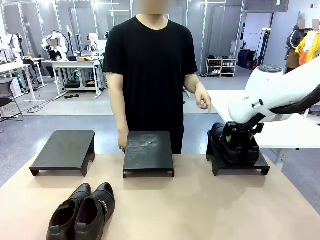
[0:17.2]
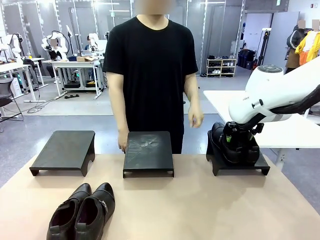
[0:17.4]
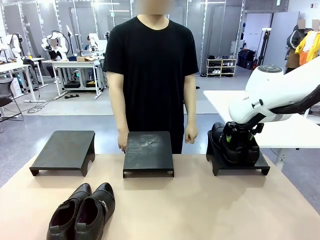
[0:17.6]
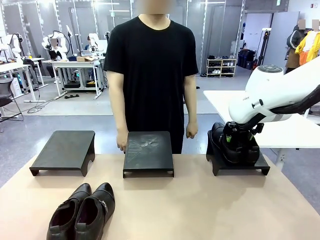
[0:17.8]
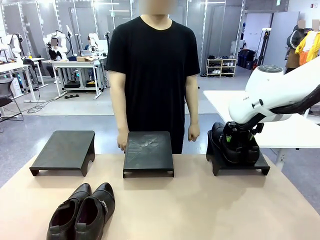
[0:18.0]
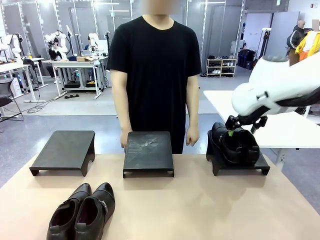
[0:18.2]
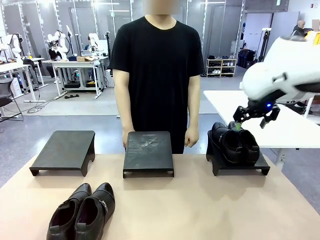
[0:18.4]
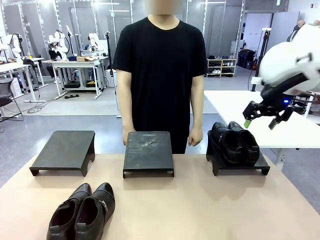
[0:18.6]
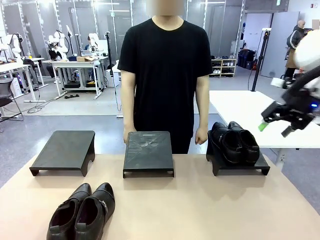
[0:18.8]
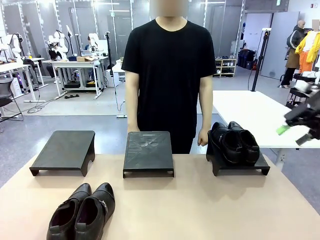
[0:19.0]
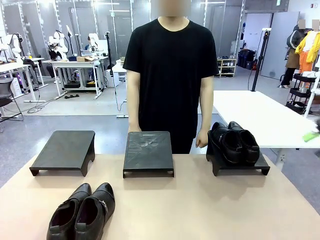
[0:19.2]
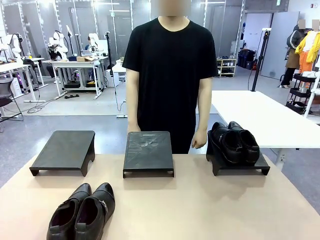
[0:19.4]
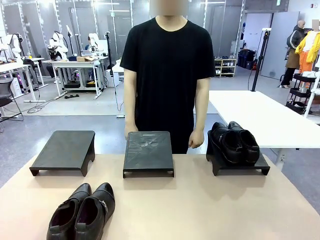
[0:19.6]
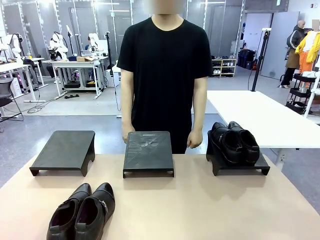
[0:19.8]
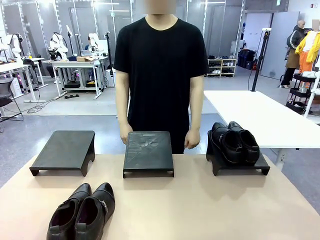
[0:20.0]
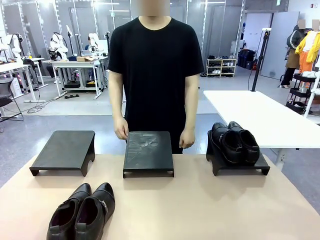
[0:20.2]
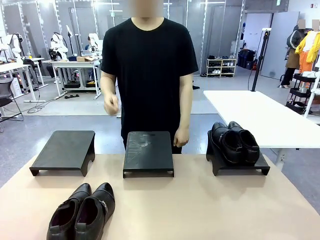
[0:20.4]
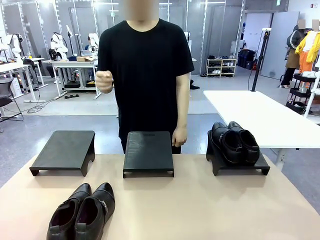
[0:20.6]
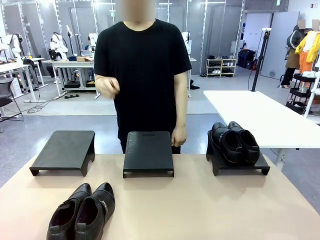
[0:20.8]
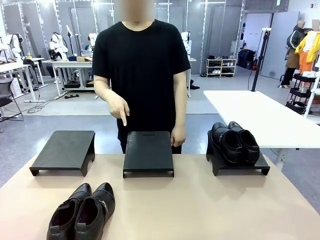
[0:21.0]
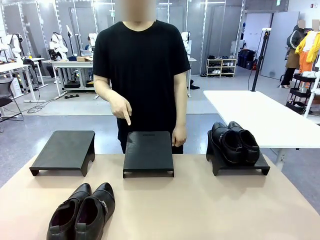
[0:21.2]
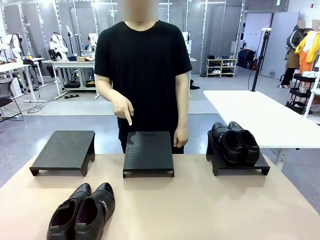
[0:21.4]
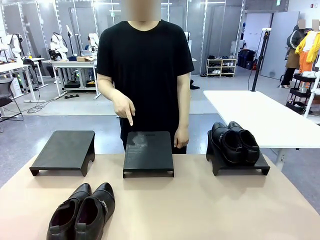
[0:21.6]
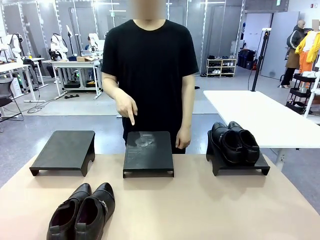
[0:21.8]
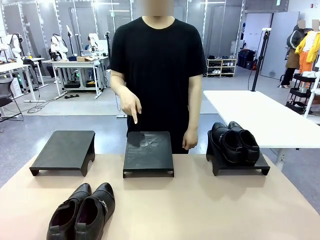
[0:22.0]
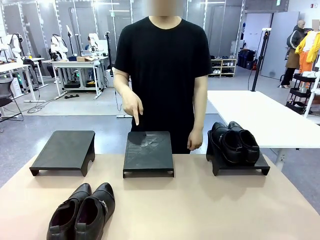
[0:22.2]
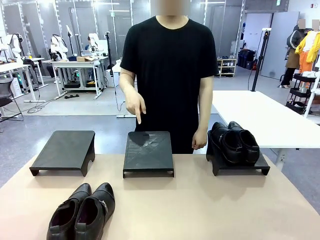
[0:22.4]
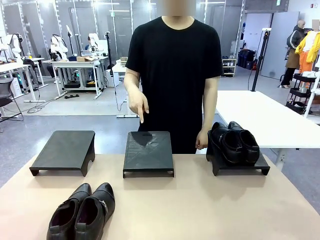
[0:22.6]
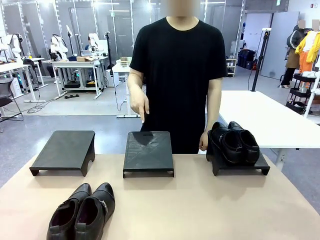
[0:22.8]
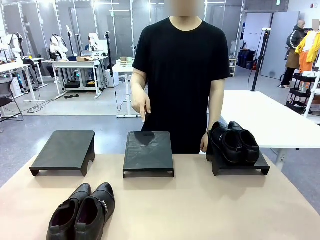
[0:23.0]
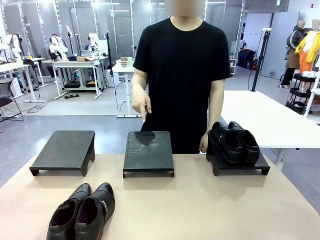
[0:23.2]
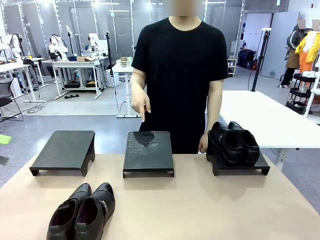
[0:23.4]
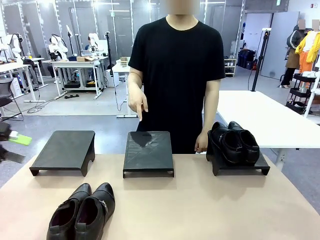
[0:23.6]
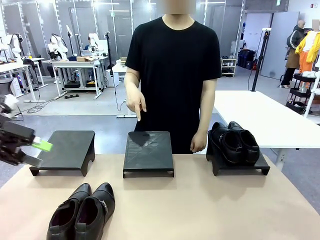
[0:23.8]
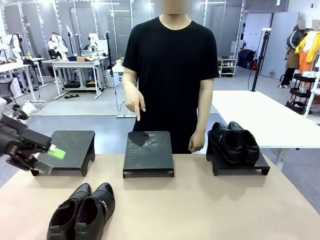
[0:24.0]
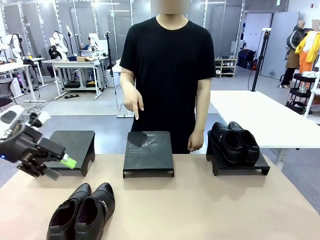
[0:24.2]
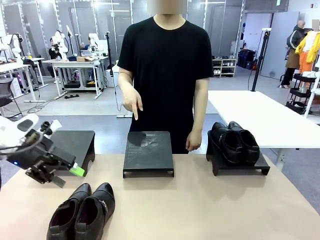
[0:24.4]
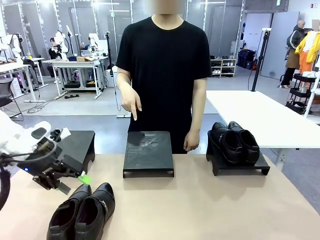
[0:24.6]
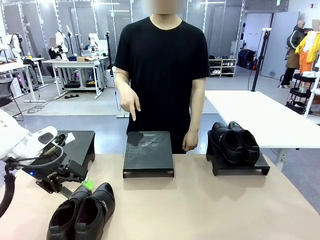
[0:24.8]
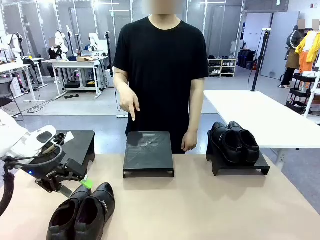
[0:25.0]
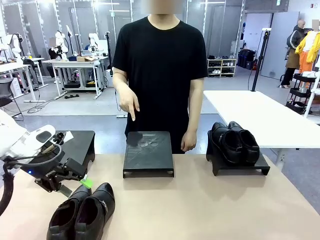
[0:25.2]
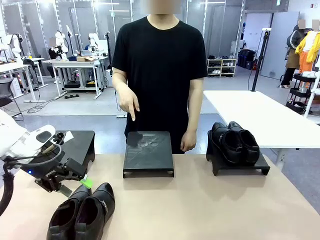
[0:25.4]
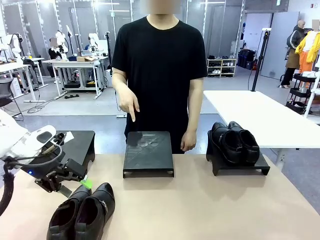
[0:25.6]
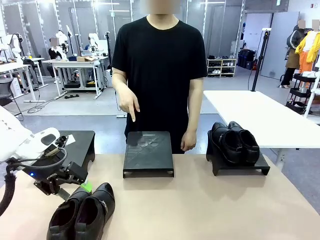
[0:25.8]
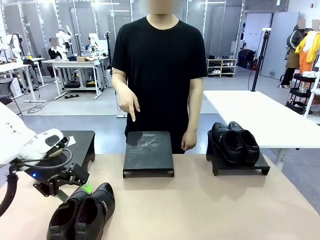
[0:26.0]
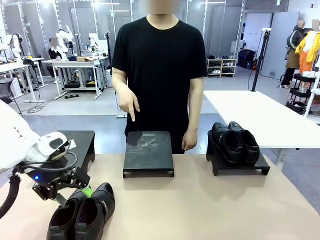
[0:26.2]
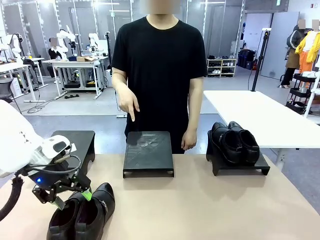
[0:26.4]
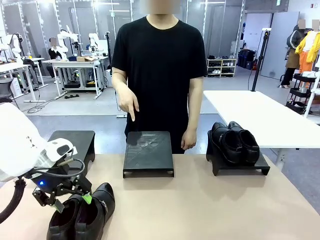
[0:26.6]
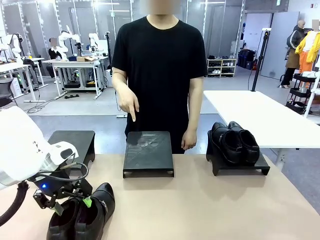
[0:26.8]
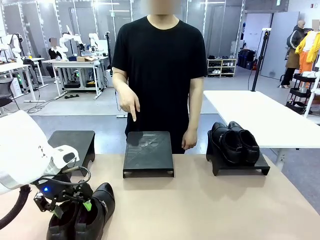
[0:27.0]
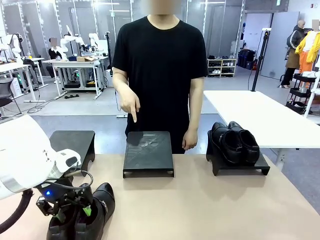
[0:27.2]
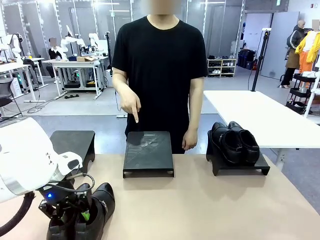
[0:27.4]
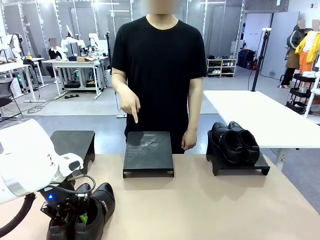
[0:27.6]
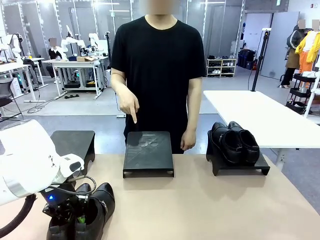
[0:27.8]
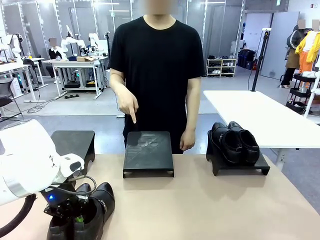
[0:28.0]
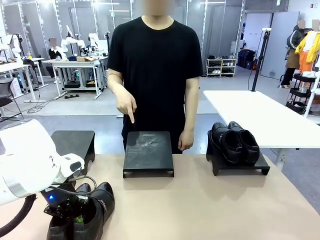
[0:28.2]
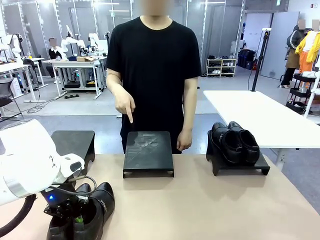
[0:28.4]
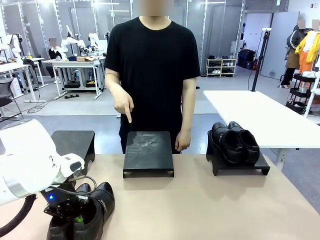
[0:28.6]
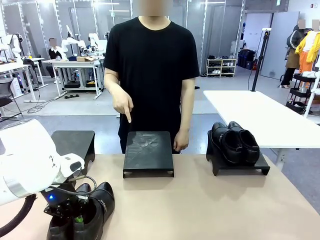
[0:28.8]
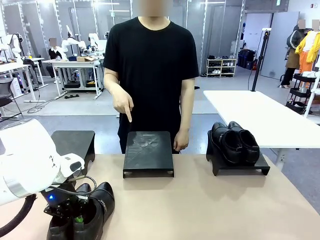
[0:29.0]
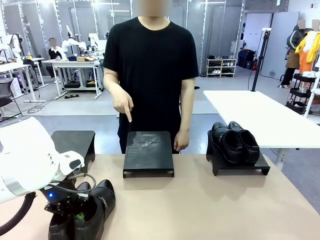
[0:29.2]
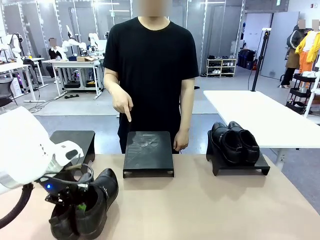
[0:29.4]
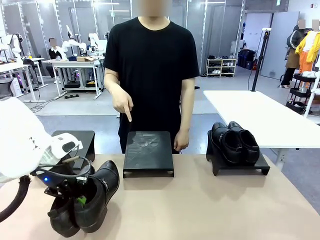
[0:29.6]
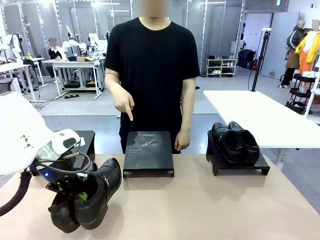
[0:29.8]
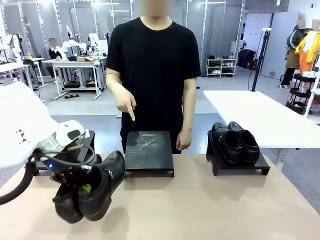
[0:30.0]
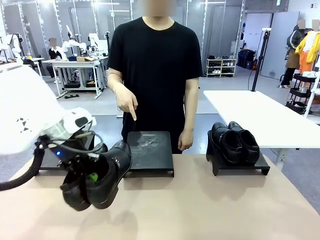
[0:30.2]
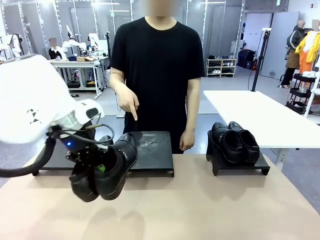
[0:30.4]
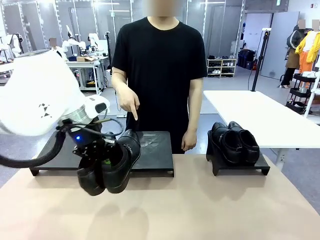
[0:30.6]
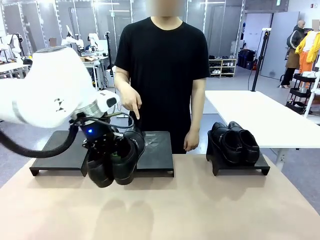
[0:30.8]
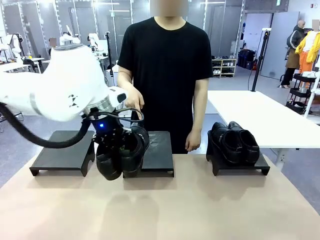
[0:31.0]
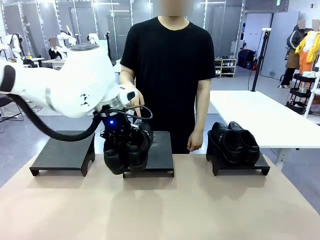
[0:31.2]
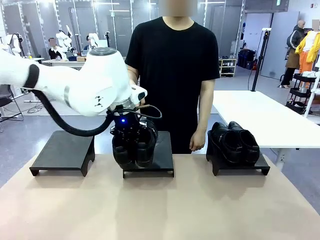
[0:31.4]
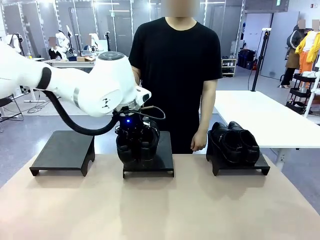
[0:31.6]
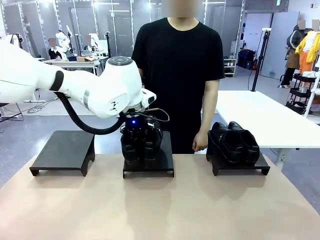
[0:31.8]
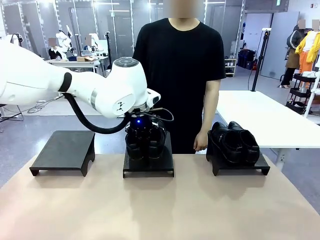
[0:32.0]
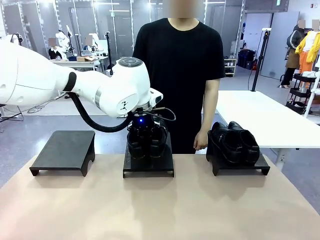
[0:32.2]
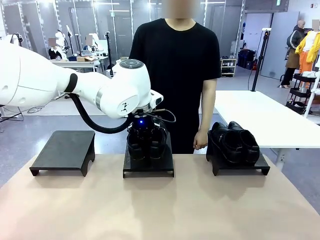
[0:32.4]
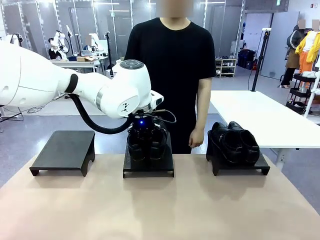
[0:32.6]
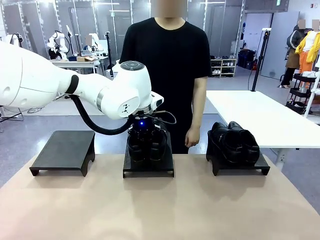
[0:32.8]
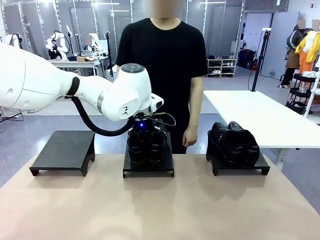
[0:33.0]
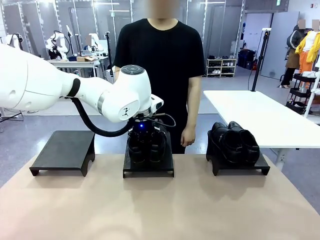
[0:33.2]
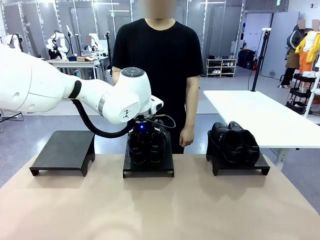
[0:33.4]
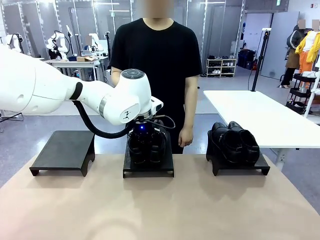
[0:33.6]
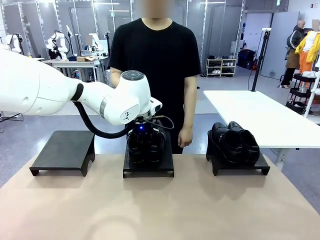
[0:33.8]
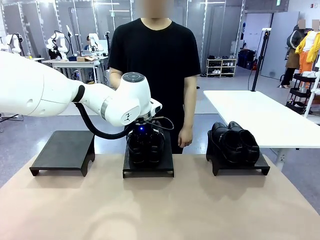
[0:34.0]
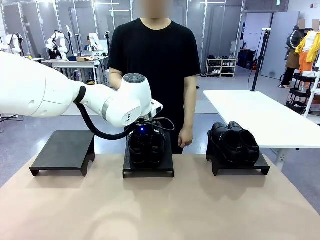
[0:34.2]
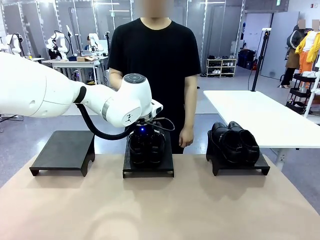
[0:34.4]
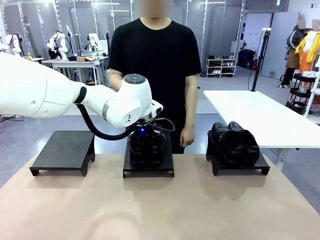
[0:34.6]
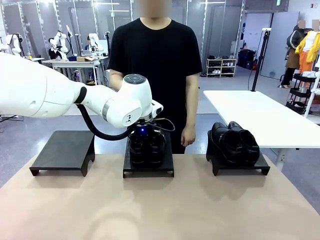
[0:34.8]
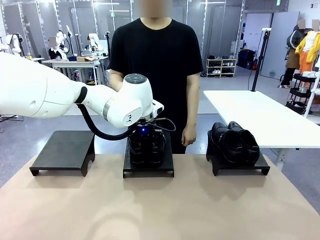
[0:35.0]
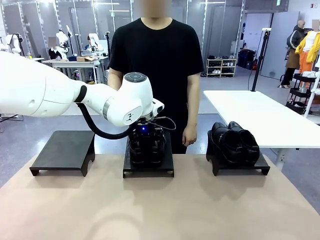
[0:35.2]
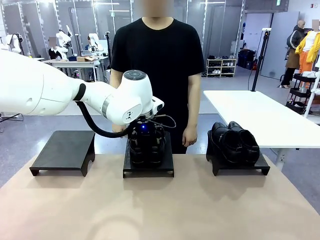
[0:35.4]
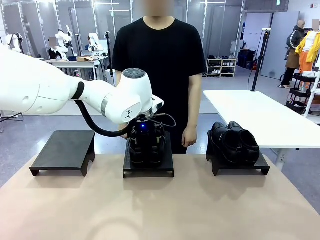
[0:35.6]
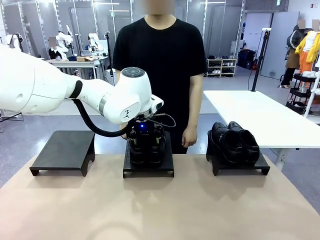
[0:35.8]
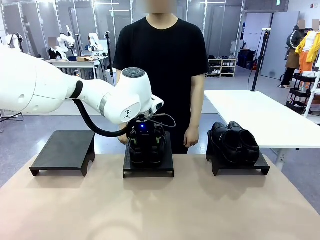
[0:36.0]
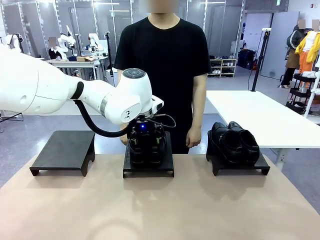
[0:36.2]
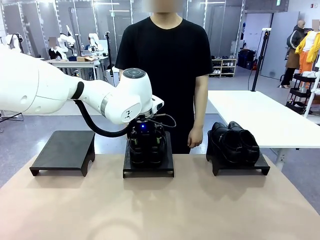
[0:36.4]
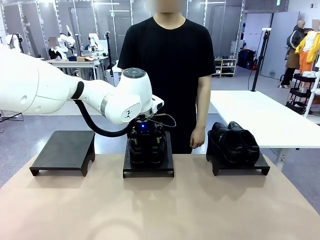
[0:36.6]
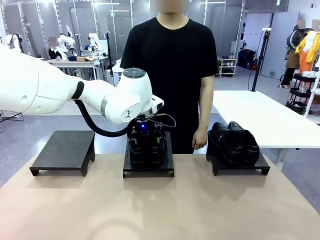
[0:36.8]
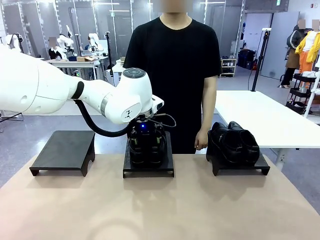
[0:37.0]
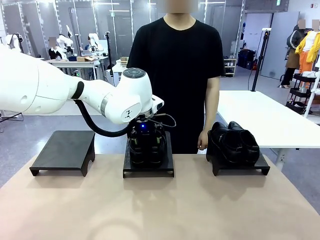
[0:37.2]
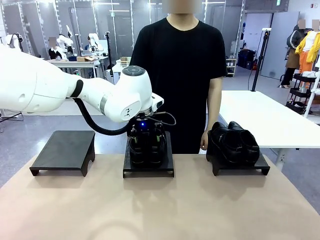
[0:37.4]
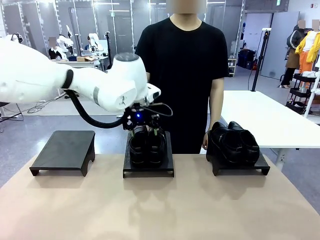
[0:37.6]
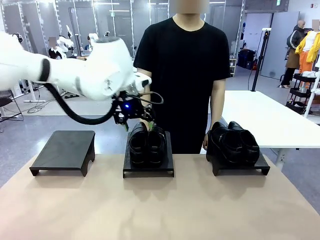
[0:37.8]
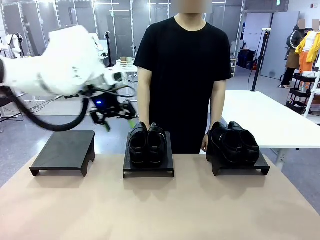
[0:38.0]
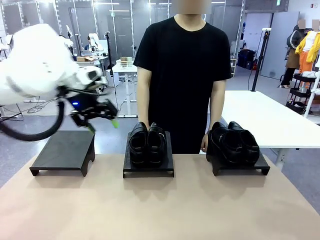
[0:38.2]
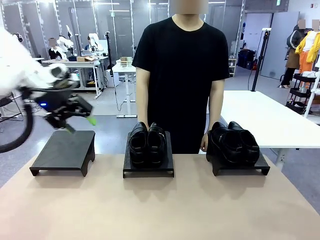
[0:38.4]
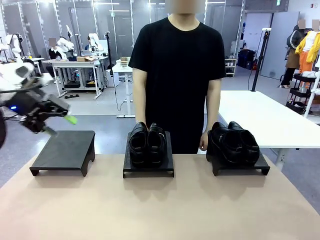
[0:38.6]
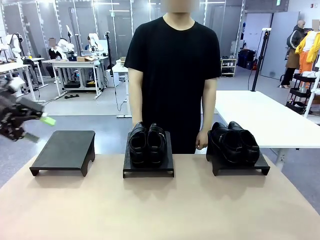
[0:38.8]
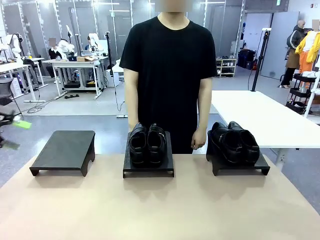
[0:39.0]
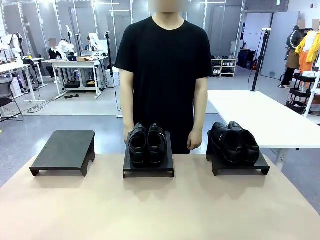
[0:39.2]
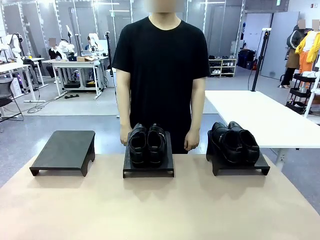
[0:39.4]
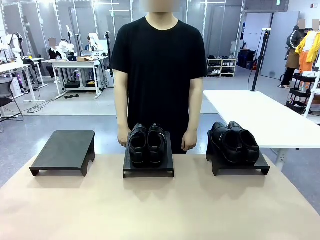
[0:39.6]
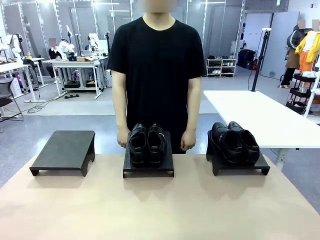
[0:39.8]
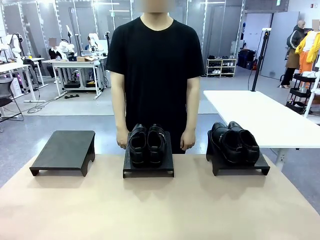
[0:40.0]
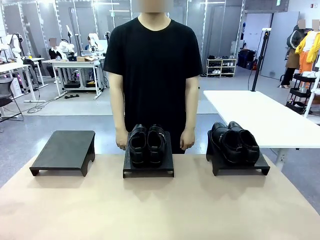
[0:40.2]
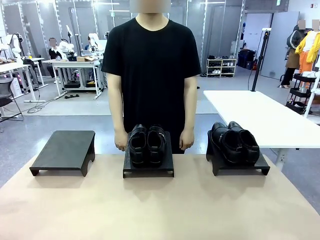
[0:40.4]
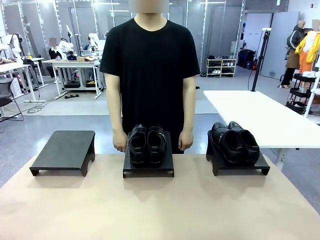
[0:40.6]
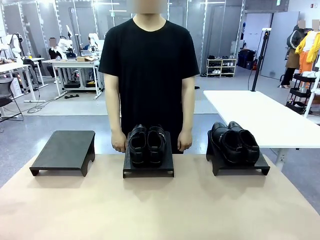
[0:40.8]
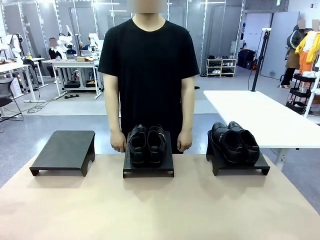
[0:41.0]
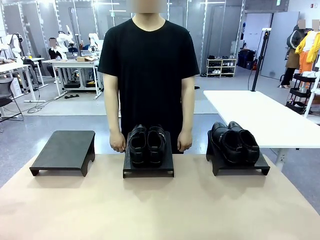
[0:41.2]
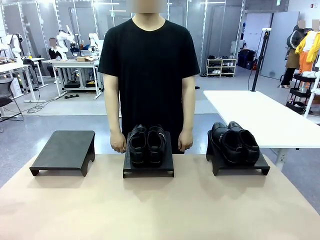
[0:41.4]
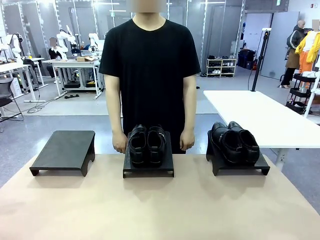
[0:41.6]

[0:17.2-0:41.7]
Task: Place the shoes on the stand as instructed by the person.
Robot: Pick up another pair of Shoes and place it on the Shoes Stand indicated by the person.
Person: Point to one Shoes Stand.
